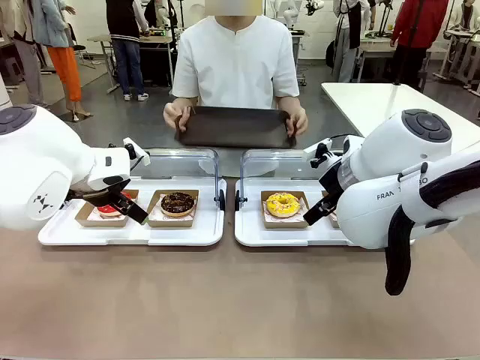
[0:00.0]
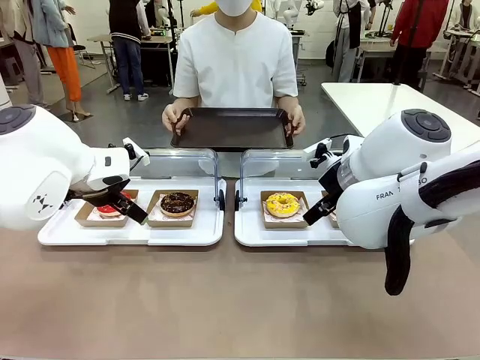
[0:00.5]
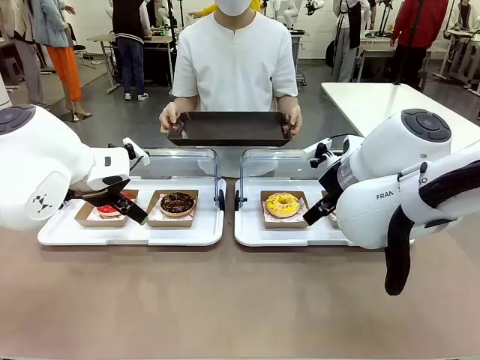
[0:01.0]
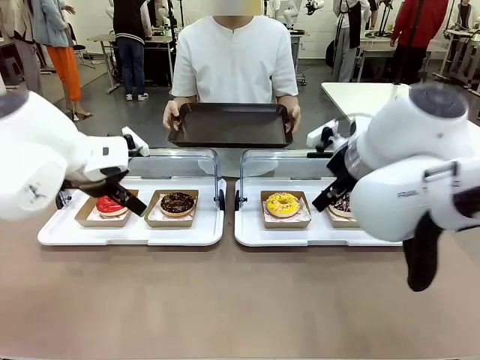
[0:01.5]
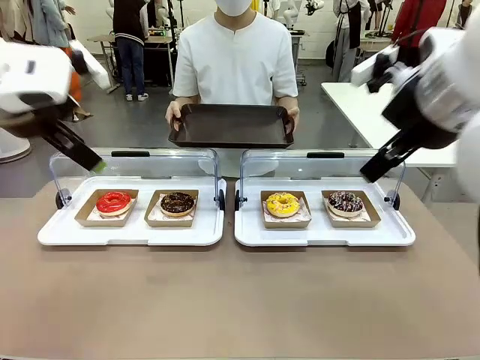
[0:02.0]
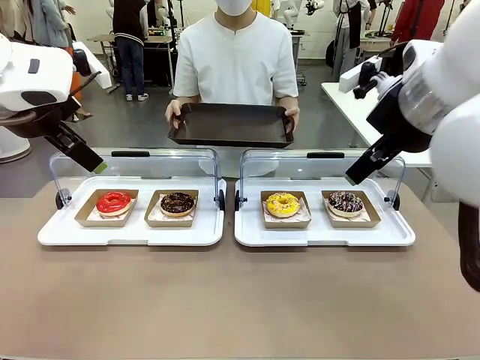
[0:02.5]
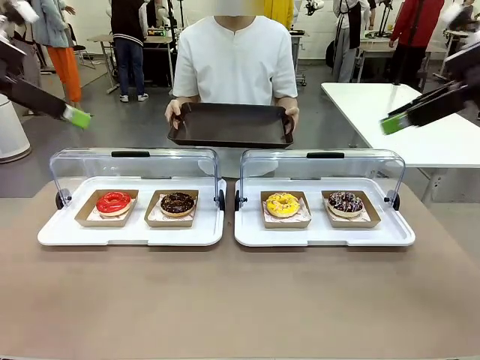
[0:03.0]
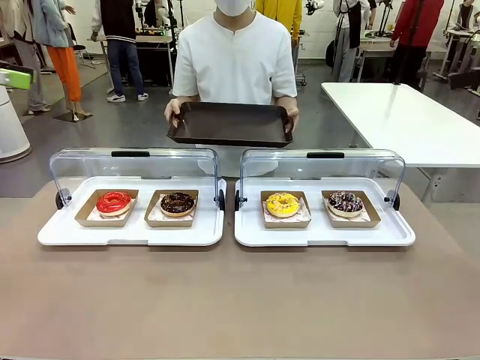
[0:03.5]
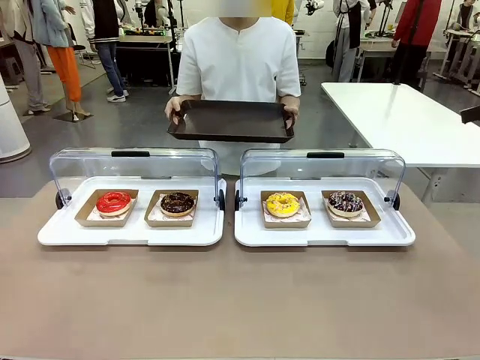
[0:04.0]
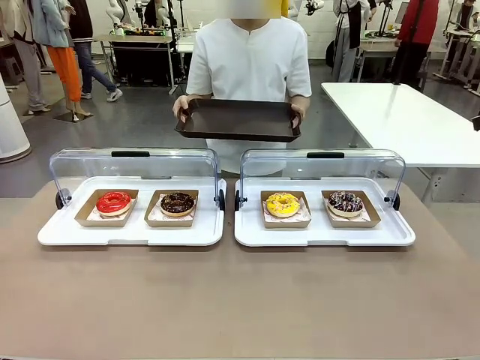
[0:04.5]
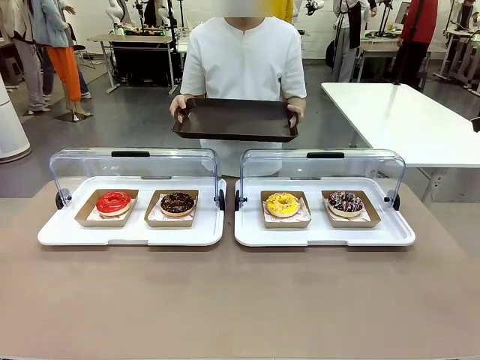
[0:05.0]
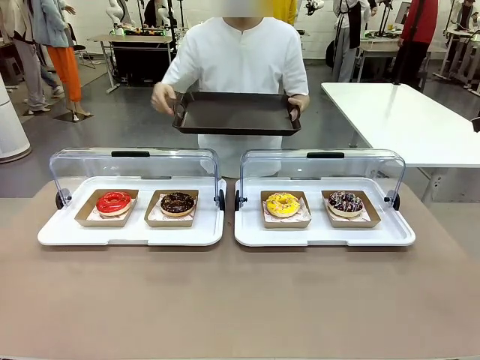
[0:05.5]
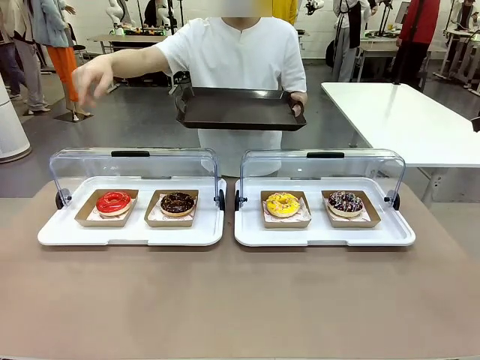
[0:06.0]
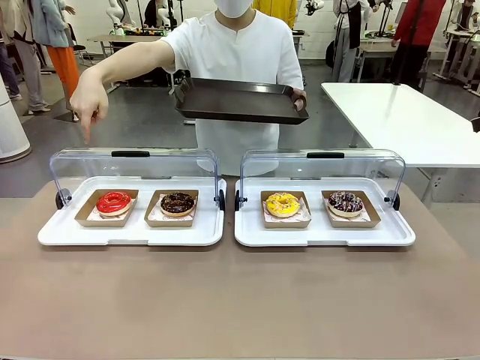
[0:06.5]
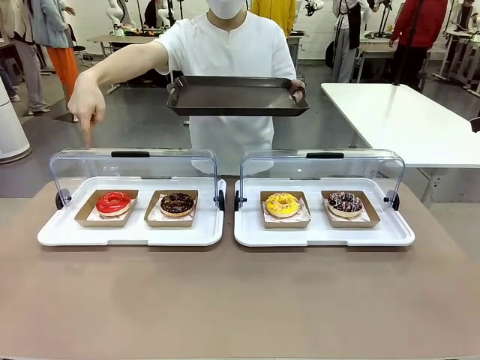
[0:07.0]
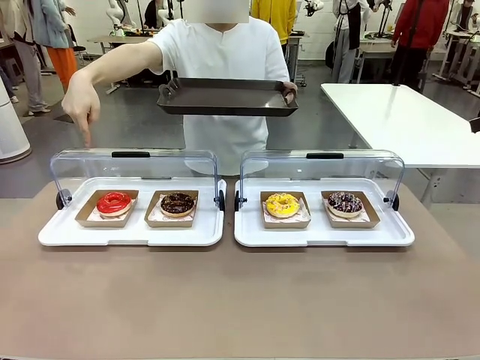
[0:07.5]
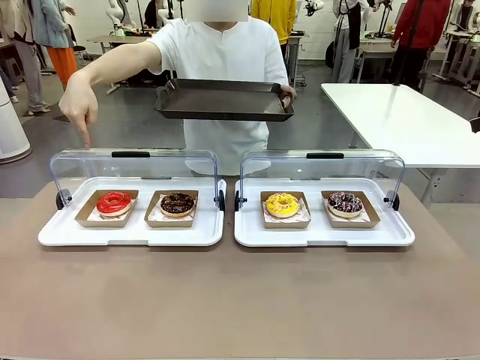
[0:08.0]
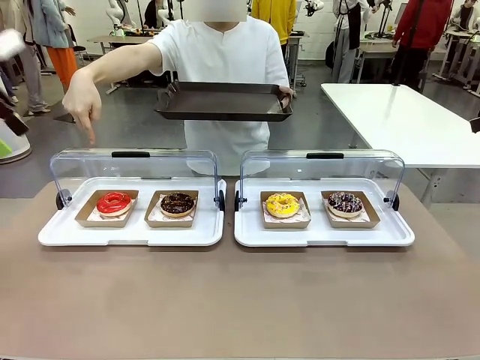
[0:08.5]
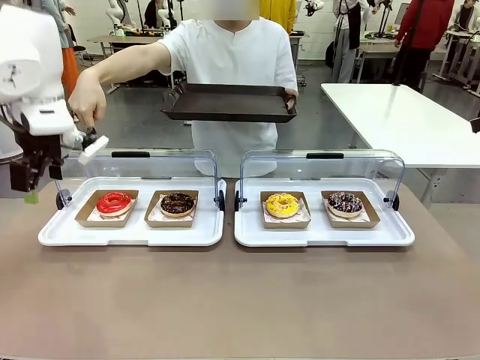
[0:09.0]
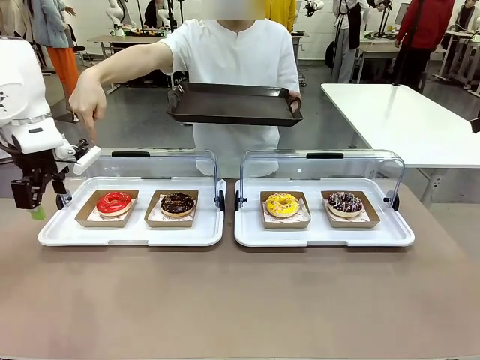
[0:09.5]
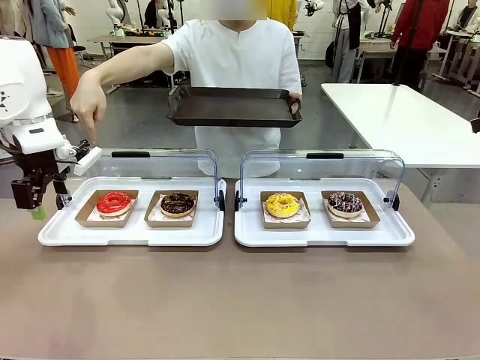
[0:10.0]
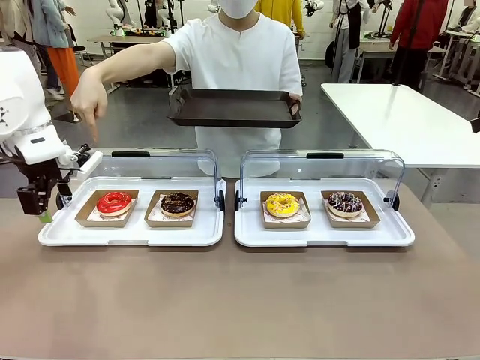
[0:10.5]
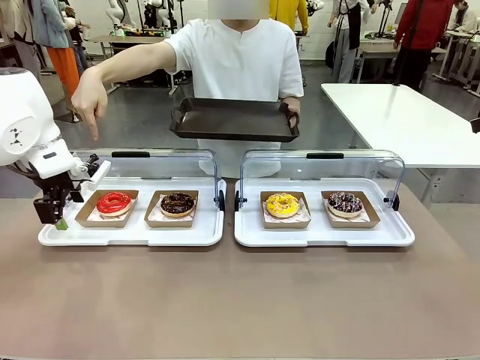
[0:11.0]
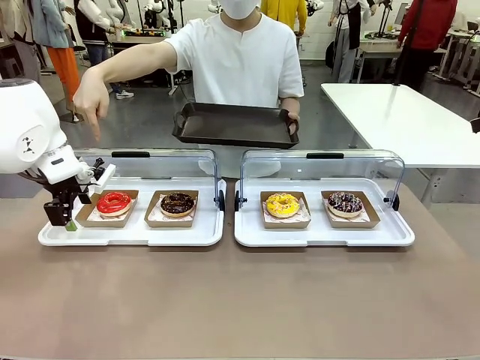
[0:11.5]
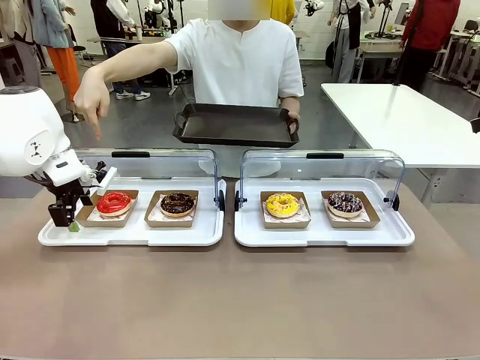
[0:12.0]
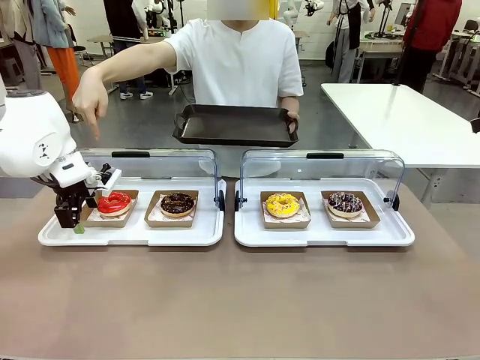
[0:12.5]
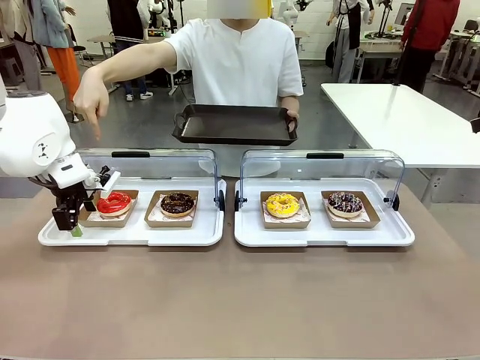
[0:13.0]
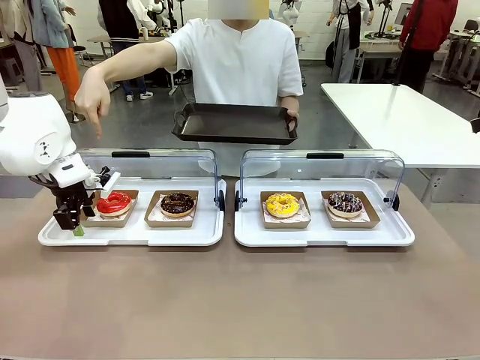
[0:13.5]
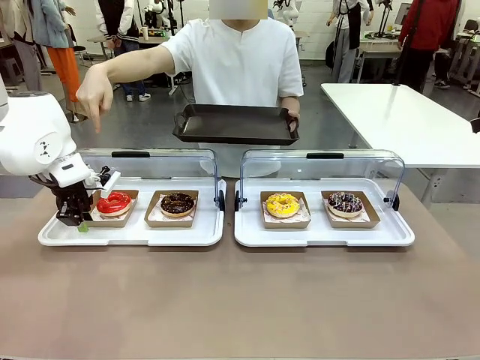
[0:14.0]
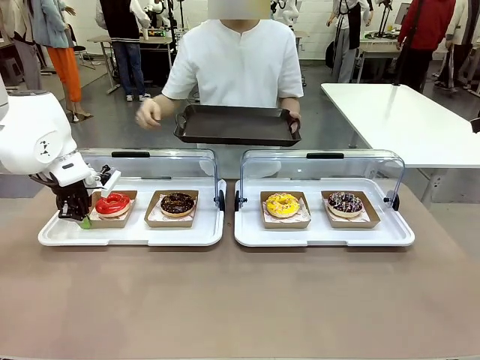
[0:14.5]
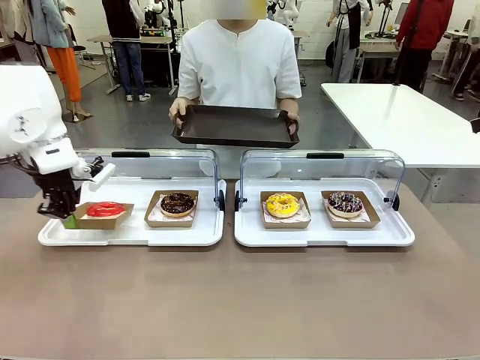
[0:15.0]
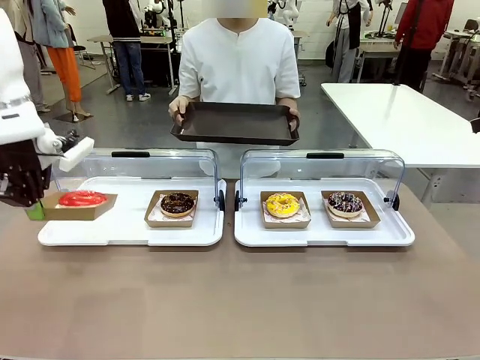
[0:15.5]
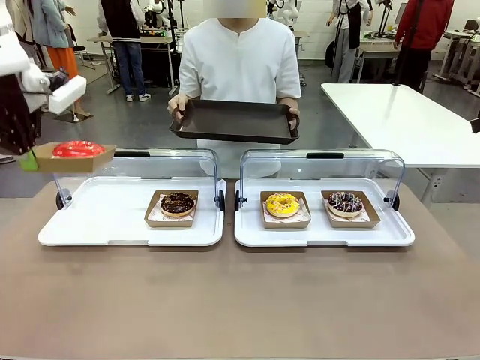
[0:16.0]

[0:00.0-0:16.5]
Task: Provide the desired donut to the person.
Robot: Pick up and lift the Paper togo box containing the Donut pointed at by the person.
Person: Point to one donut. Lift the tray onto the Roll-Top Bakery Case.

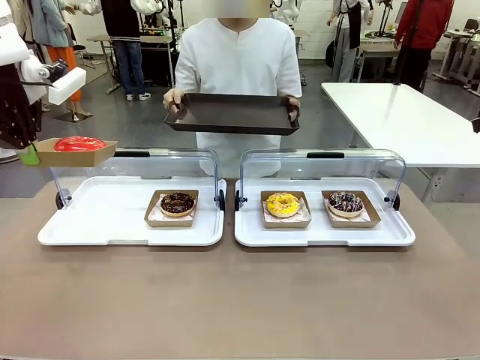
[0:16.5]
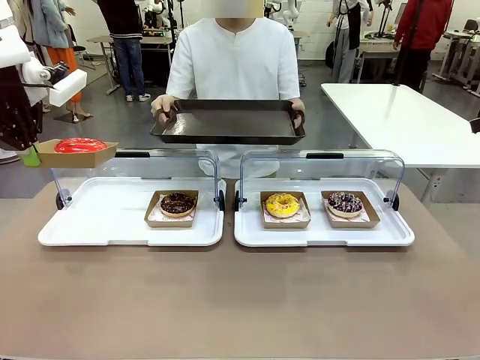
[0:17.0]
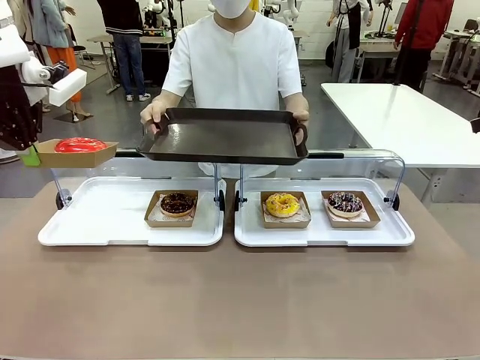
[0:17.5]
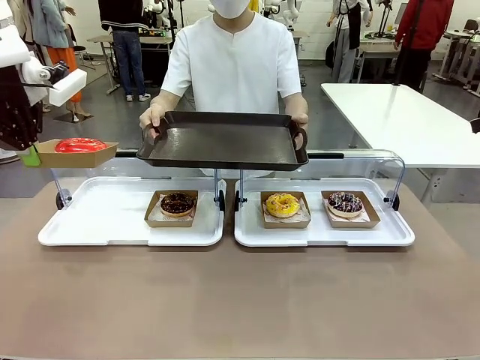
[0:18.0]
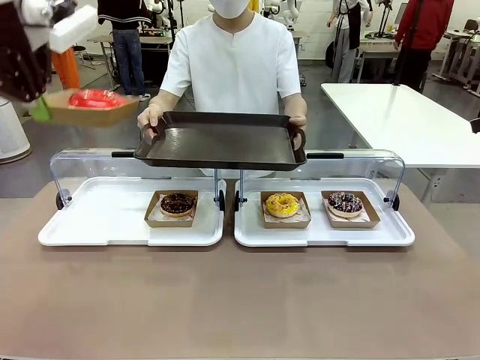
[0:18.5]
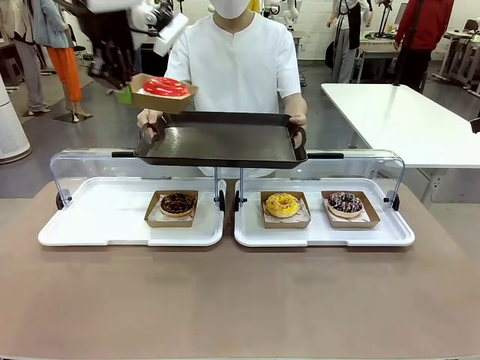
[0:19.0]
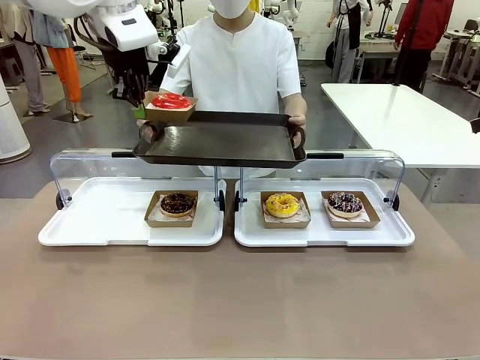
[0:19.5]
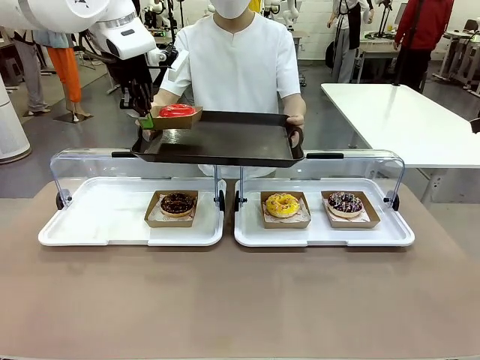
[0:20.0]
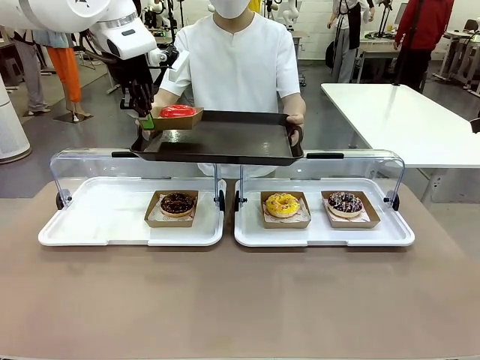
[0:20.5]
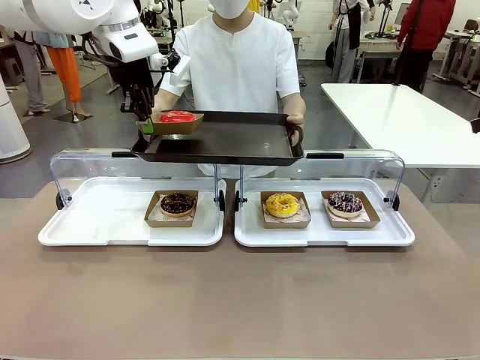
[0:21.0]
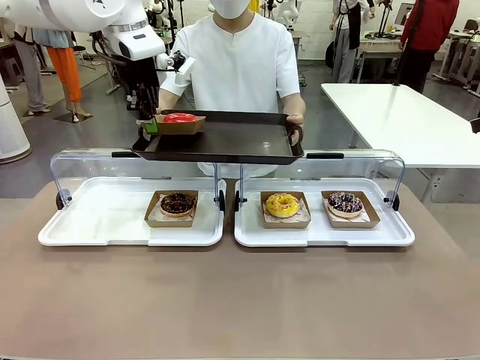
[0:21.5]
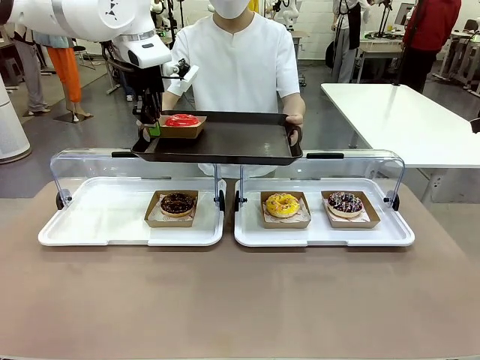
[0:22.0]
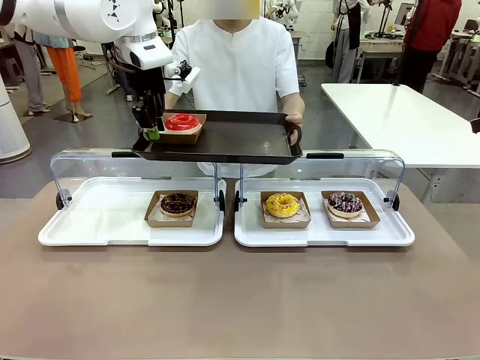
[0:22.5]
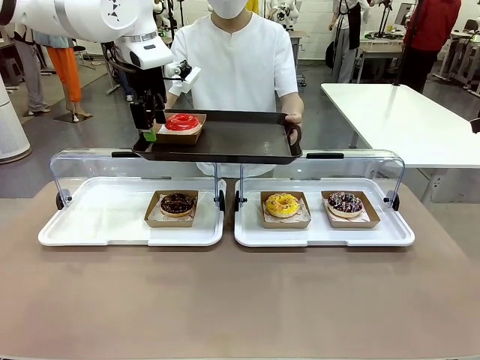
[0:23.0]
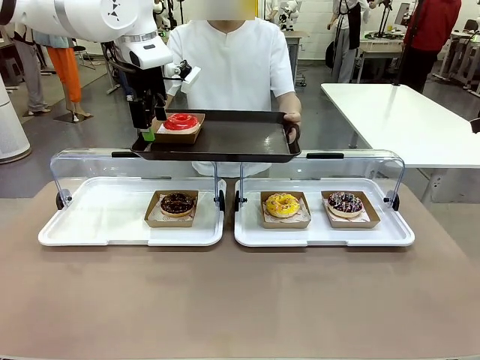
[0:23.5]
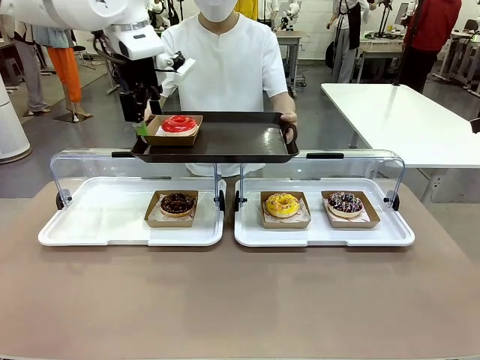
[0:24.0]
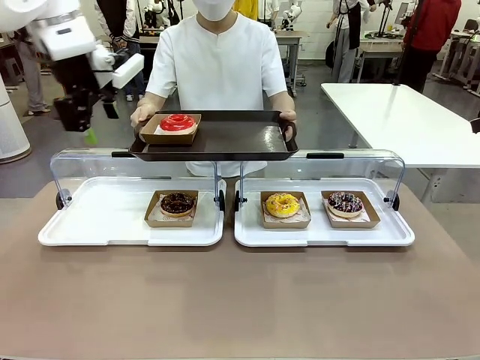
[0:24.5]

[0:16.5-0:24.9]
Robot: Place the picked Paper togo box onto the Handle tray extended by the person.
